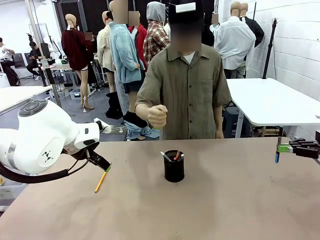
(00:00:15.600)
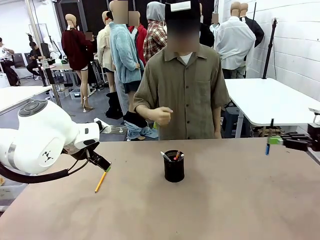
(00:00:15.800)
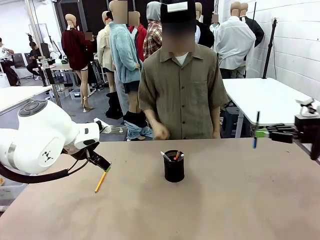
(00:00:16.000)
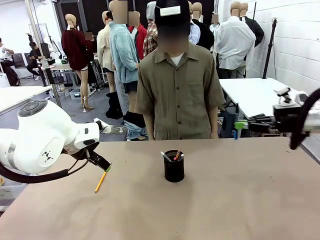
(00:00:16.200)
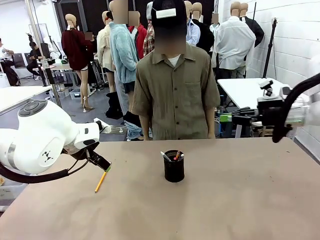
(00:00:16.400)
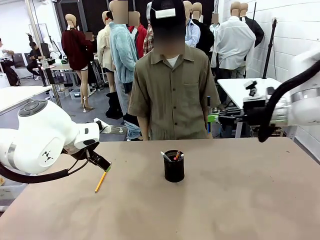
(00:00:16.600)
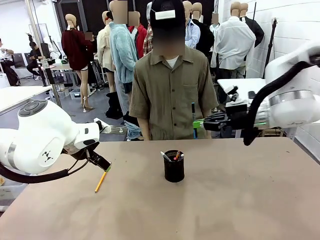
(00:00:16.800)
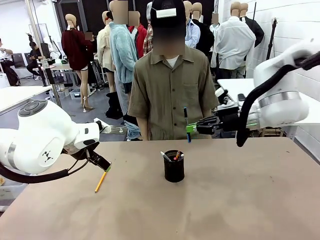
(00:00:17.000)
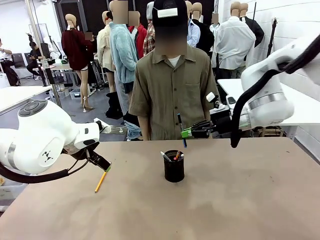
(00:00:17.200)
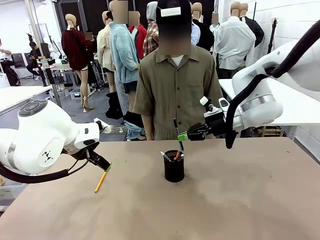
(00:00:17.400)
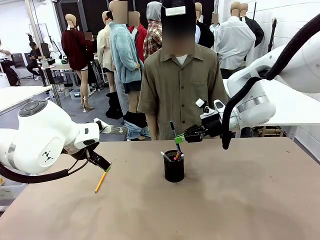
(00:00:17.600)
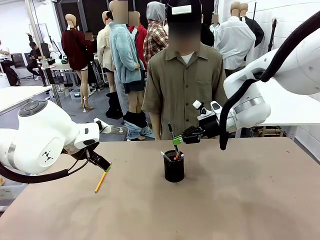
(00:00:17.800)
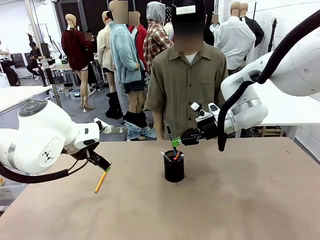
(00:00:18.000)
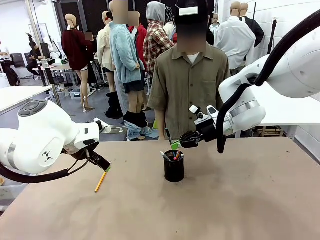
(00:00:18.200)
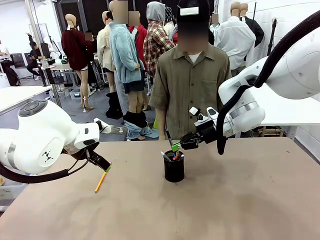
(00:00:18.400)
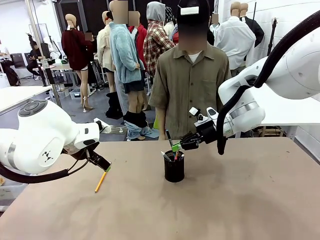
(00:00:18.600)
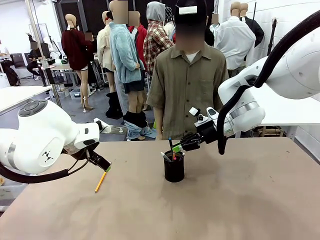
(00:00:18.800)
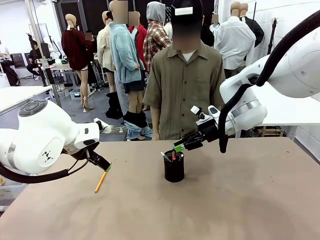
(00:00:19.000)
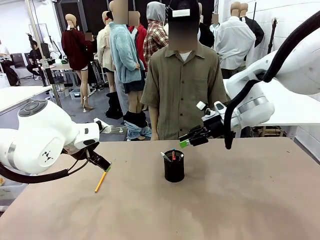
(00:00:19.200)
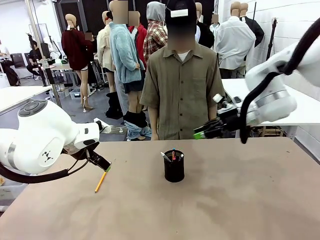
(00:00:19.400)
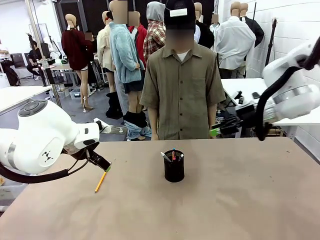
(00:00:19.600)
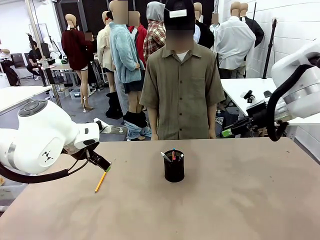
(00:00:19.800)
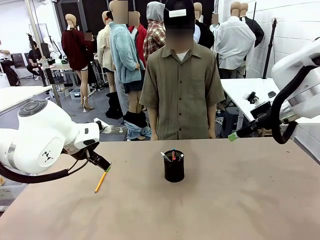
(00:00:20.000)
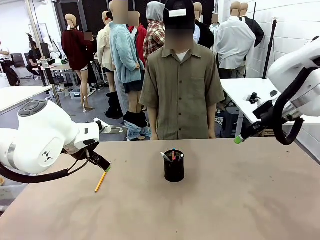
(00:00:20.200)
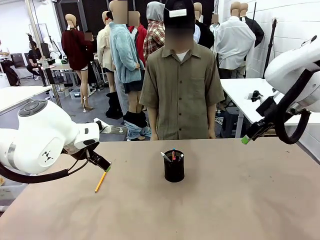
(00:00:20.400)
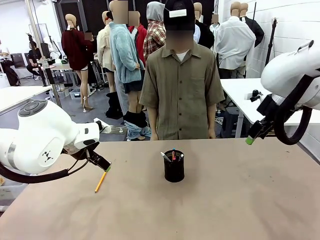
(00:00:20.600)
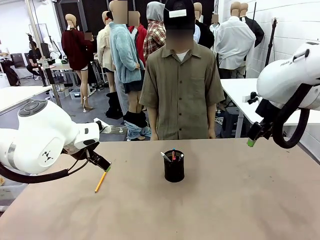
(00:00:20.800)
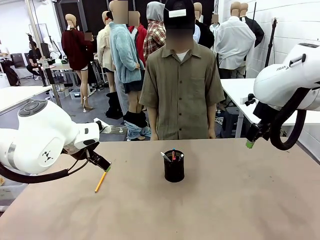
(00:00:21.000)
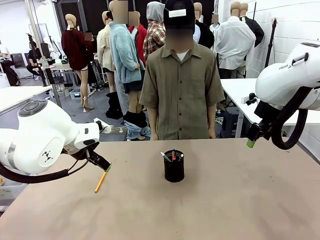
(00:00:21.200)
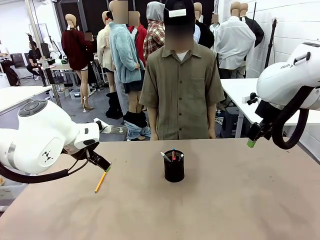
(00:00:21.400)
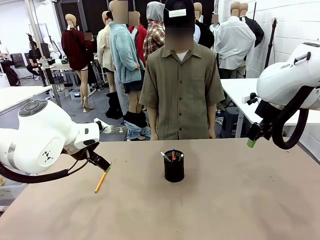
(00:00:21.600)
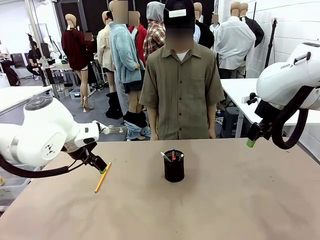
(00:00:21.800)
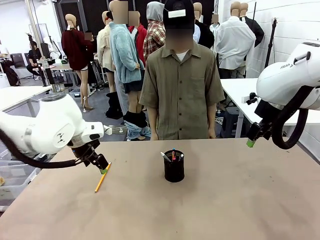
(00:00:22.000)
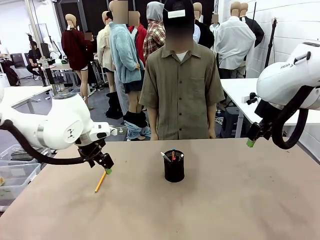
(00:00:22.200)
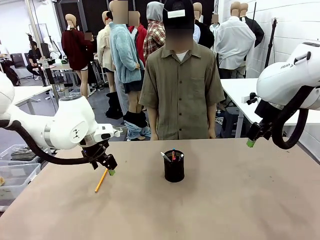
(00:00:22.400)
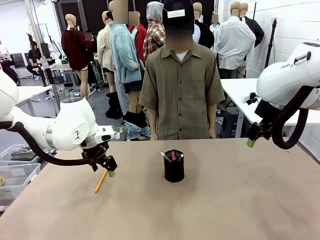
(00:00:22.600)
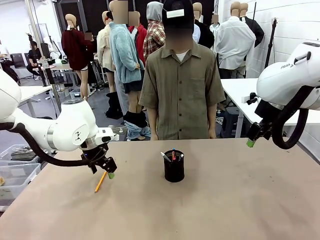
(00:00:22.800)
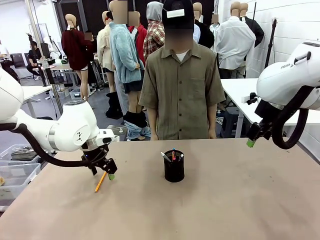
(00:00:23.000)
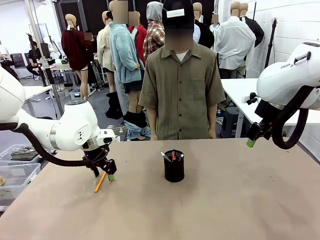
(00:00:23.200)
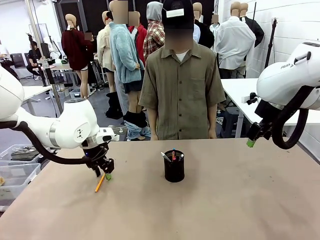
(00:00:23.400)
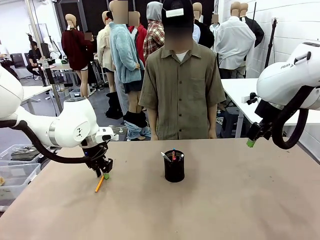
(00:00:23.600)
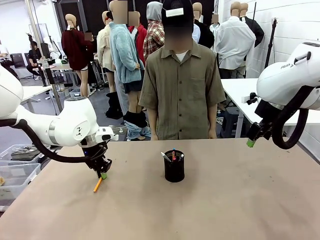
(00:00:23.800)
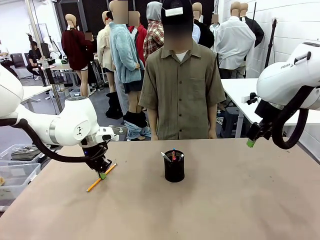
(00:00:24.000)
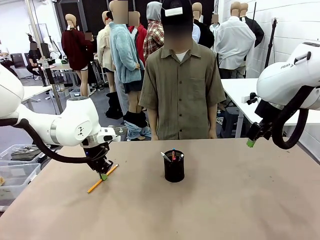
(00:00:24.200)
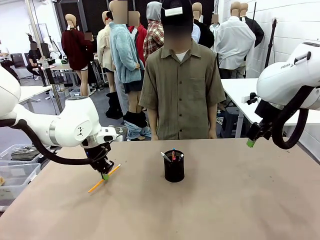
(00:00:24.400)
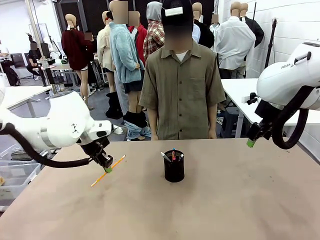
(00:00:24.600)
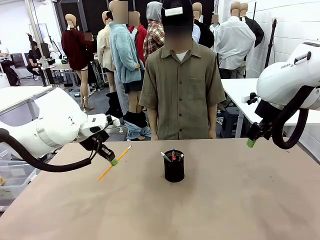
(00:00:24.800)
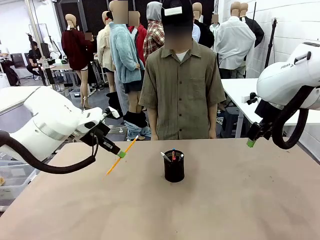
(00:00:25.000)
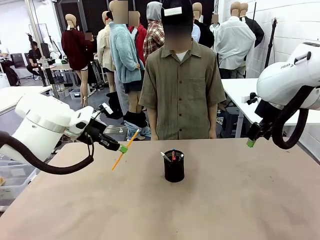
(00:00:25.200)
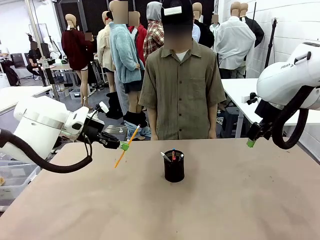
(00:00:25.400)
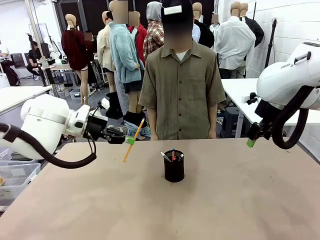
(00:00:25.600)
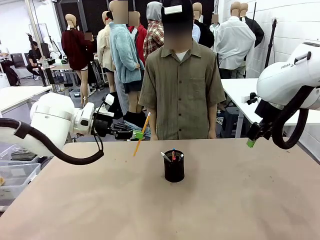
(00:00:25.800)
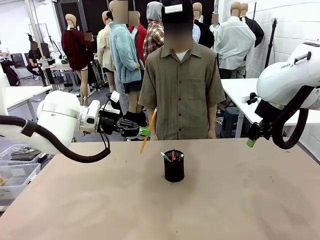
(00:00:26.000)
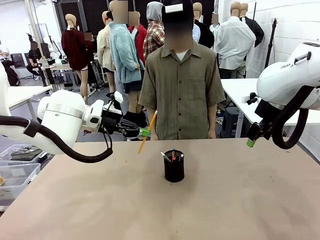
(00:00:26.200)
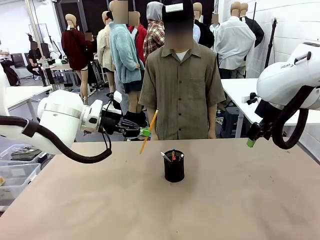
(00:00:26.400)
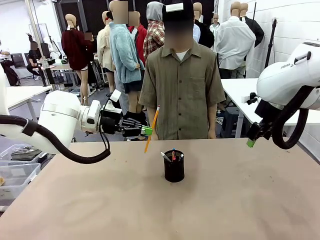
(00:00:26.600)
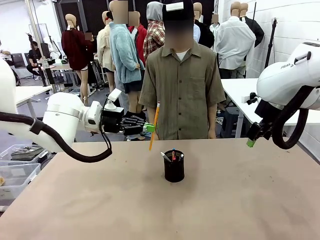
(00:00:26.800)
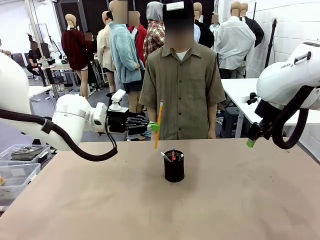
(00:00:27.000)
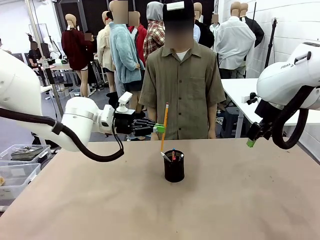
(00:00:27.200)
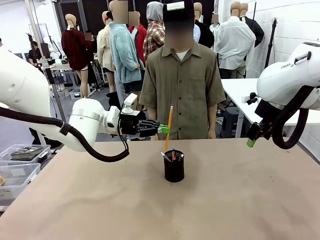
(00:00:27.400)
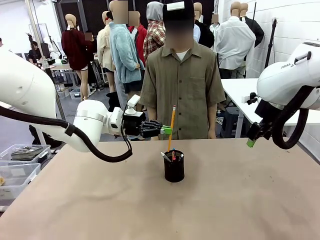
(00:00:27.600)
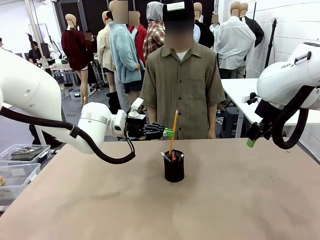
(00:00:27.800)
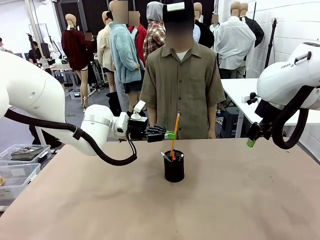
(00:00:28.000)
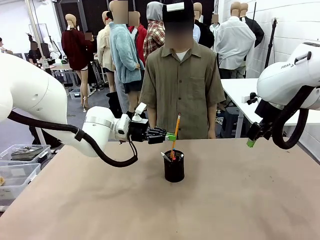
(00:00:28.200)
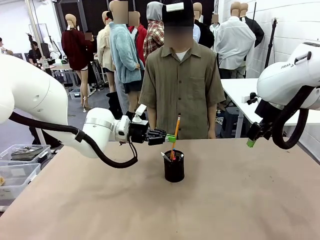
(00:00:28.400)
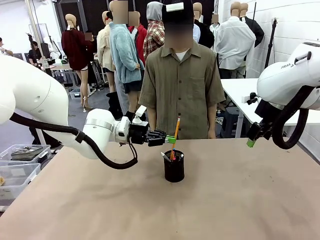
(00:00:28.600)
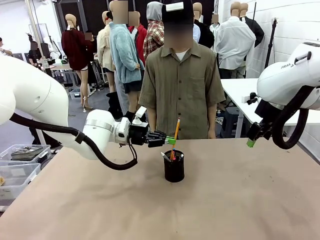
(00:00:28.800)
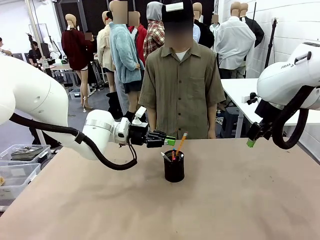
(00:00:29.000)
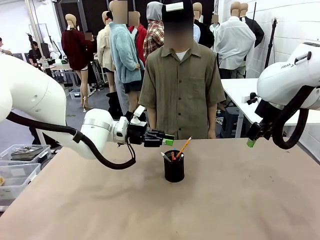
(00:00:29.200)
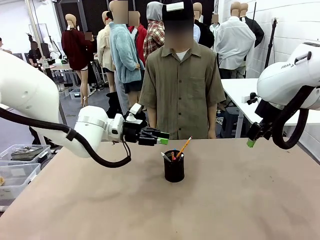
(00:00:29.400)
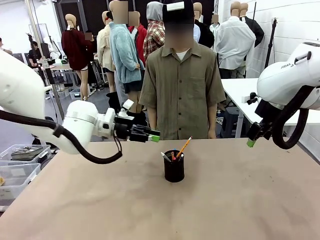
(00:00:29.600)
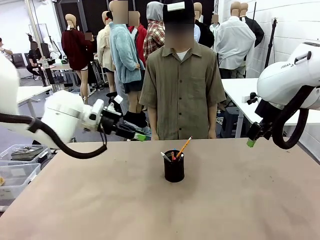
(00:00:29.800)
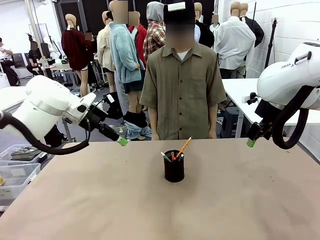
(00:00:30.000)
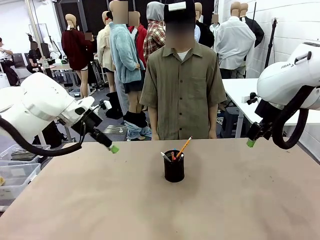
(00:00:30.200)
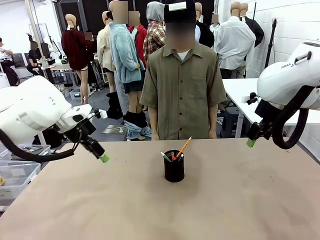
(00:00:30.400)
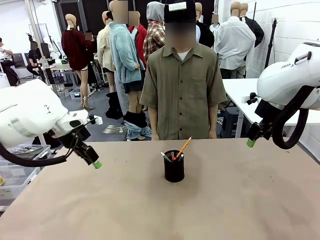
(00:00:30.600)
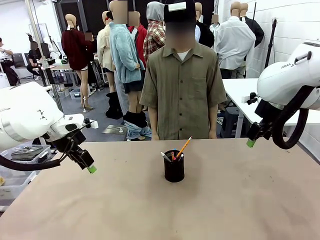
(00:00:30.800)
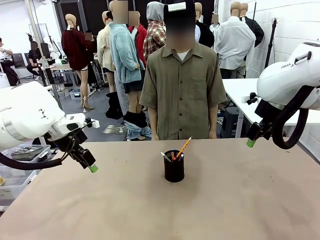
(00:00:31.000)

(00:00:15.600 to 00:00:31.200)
Task: Place the pens into the pen holder.
Robot: Pick up a writing instrument from the table and place it into the Pen holder.
Person: Place all writing instrument into the Pen holder.
